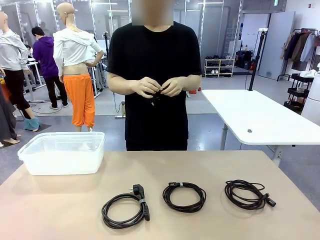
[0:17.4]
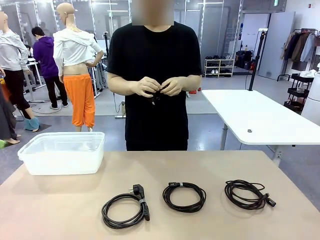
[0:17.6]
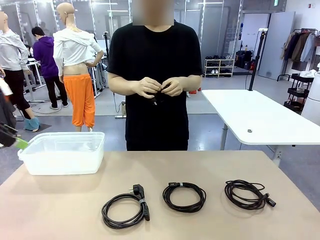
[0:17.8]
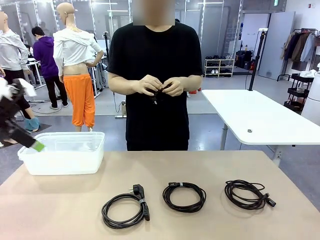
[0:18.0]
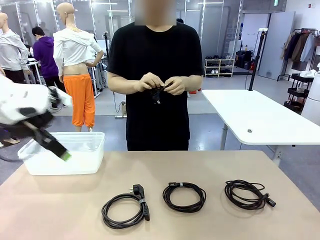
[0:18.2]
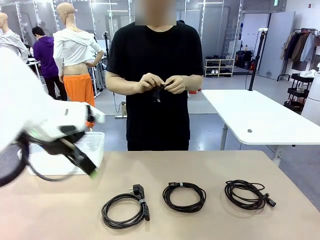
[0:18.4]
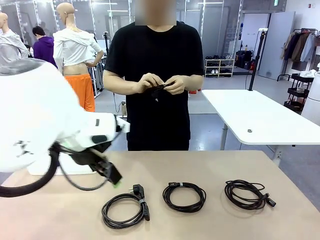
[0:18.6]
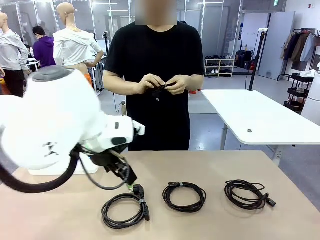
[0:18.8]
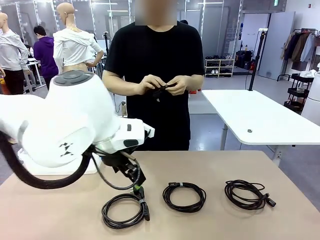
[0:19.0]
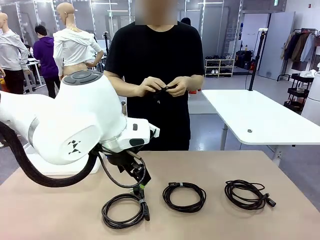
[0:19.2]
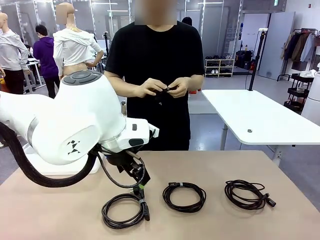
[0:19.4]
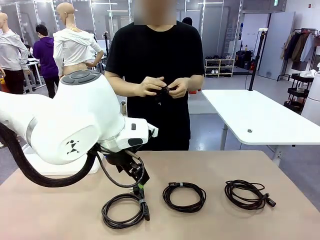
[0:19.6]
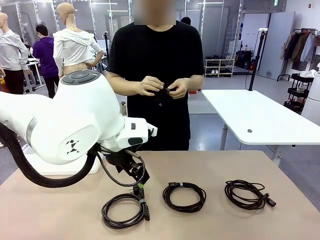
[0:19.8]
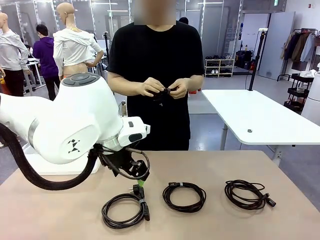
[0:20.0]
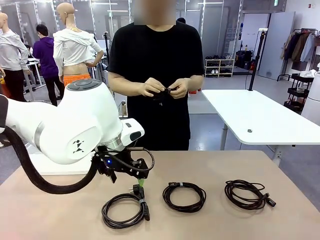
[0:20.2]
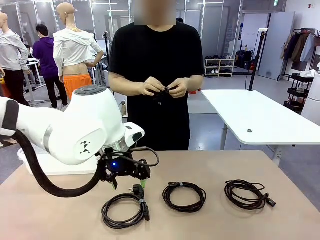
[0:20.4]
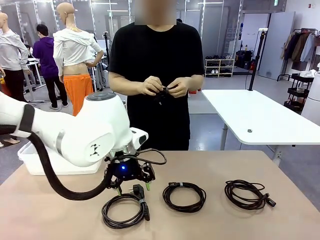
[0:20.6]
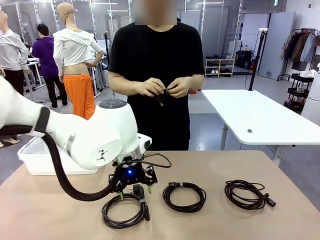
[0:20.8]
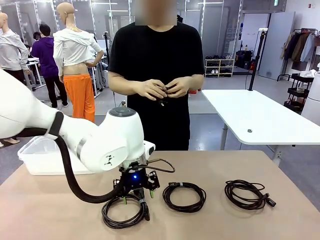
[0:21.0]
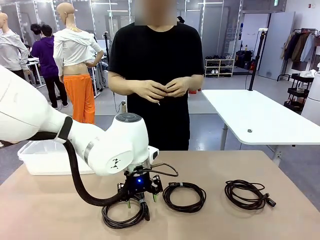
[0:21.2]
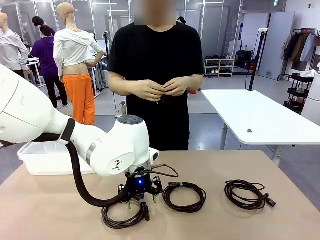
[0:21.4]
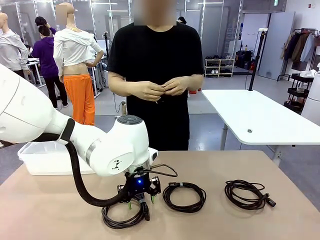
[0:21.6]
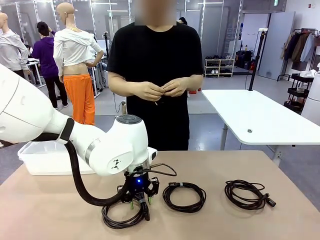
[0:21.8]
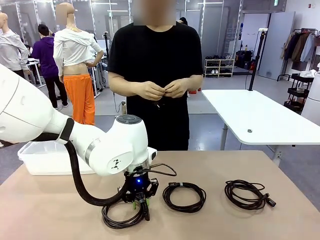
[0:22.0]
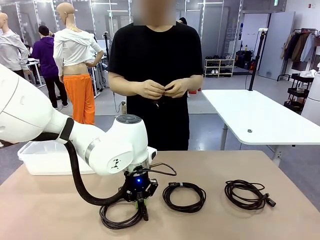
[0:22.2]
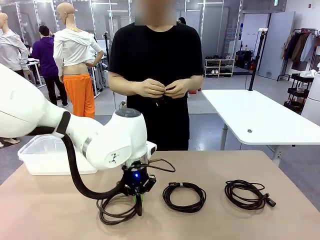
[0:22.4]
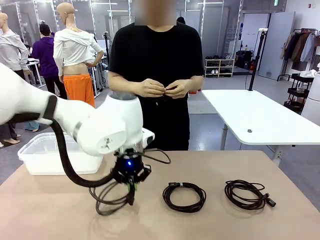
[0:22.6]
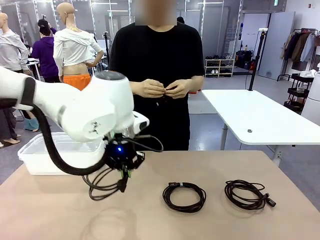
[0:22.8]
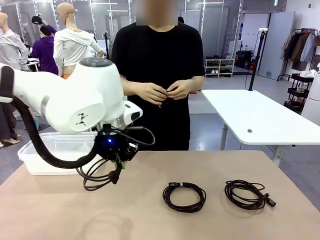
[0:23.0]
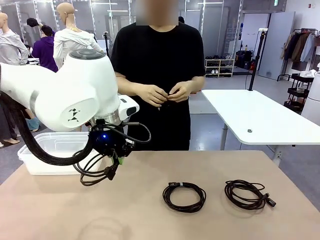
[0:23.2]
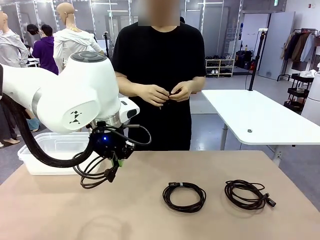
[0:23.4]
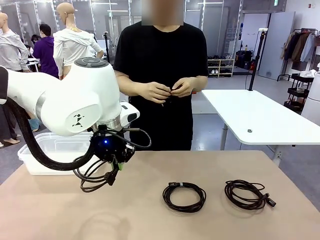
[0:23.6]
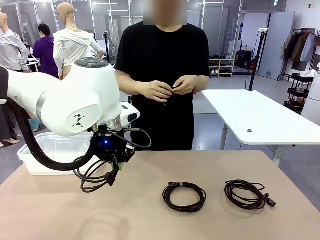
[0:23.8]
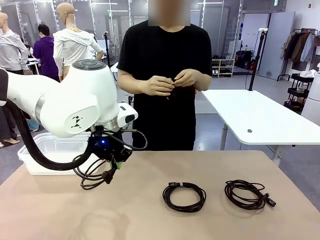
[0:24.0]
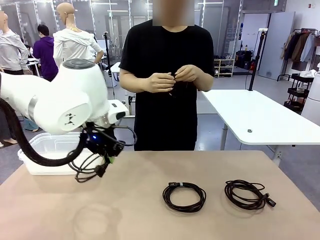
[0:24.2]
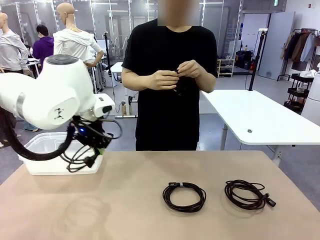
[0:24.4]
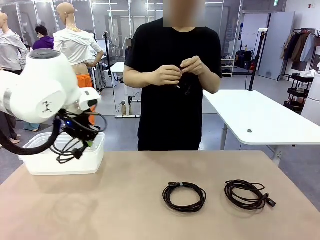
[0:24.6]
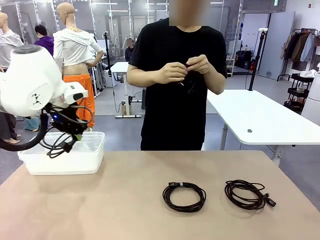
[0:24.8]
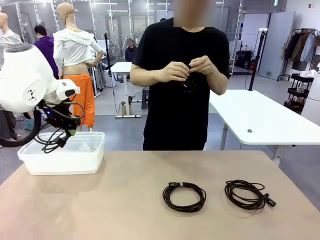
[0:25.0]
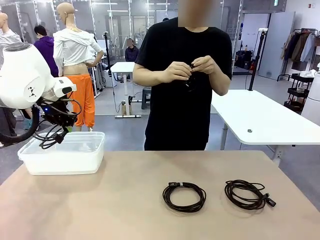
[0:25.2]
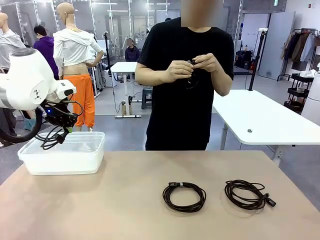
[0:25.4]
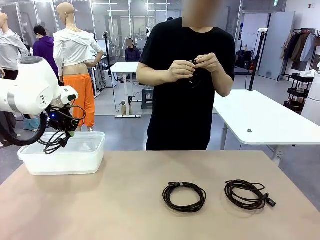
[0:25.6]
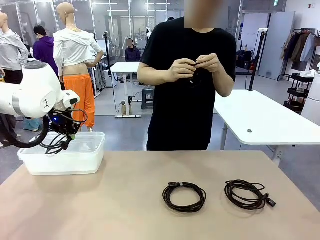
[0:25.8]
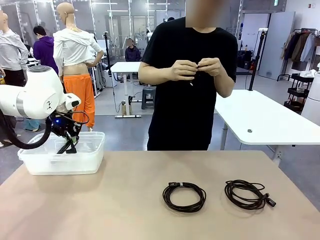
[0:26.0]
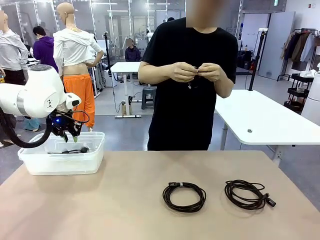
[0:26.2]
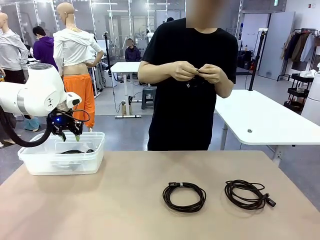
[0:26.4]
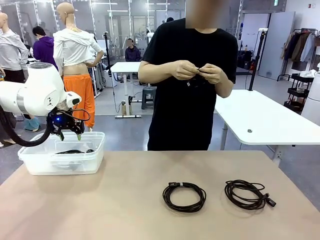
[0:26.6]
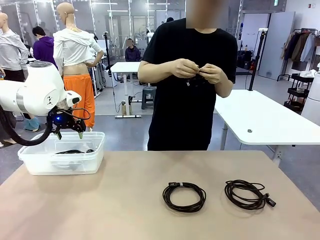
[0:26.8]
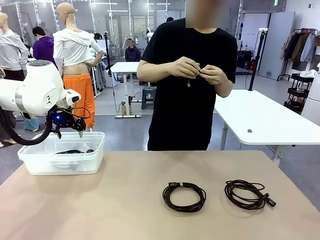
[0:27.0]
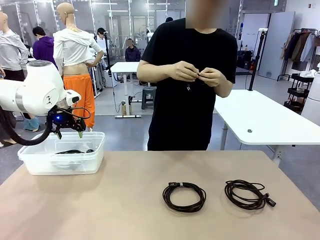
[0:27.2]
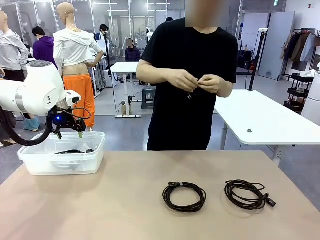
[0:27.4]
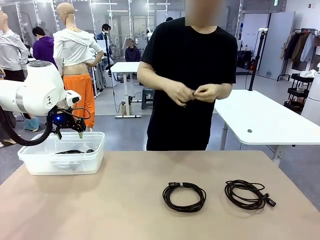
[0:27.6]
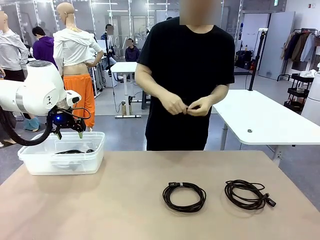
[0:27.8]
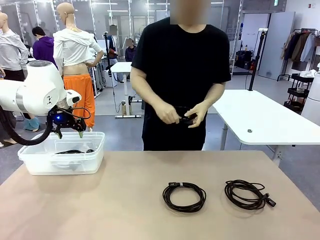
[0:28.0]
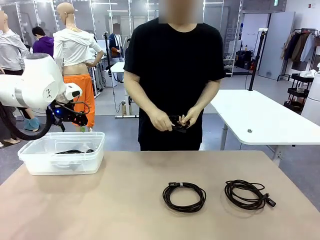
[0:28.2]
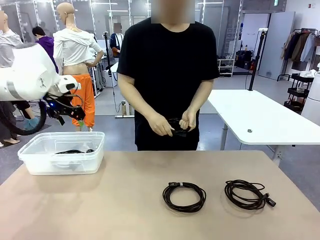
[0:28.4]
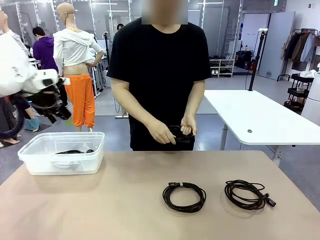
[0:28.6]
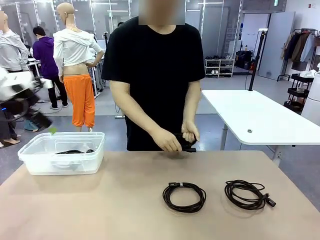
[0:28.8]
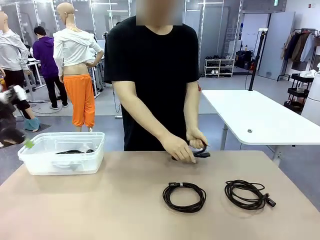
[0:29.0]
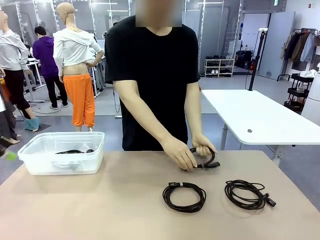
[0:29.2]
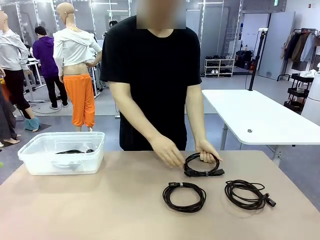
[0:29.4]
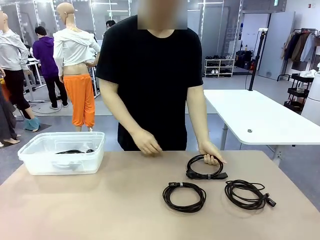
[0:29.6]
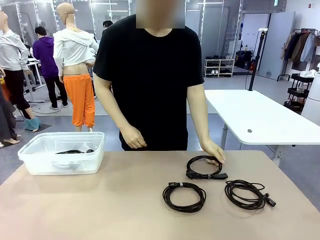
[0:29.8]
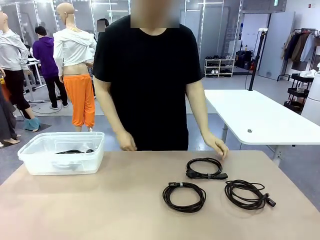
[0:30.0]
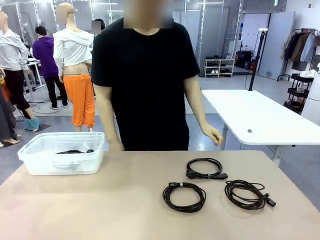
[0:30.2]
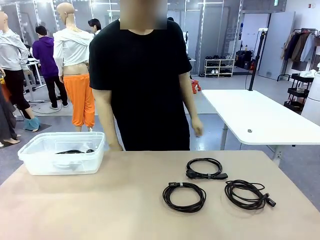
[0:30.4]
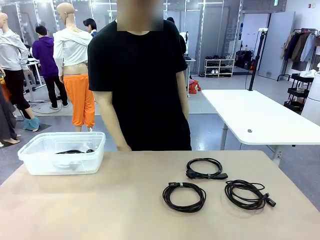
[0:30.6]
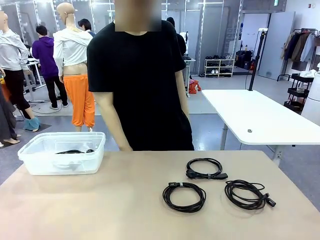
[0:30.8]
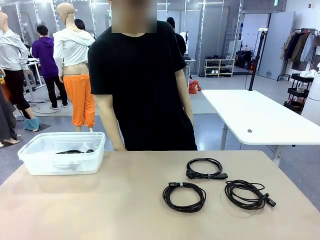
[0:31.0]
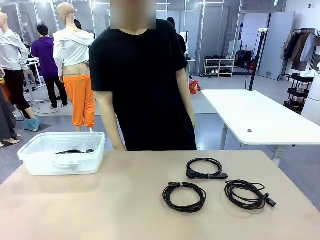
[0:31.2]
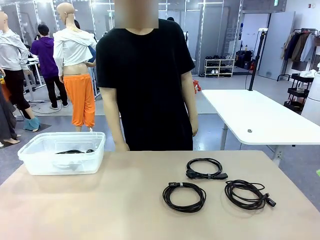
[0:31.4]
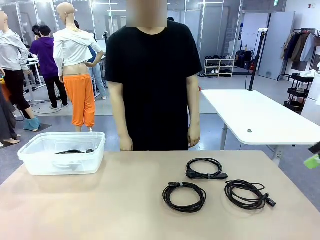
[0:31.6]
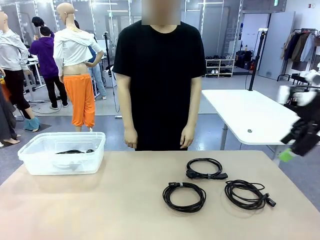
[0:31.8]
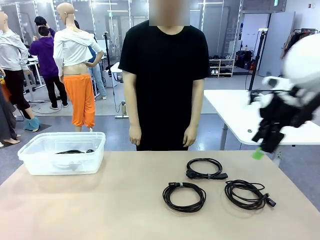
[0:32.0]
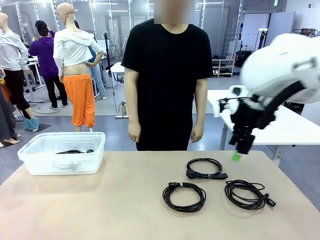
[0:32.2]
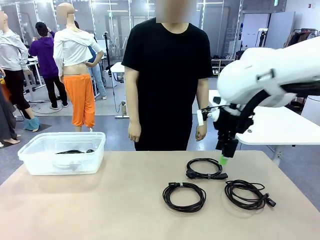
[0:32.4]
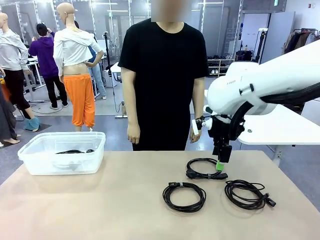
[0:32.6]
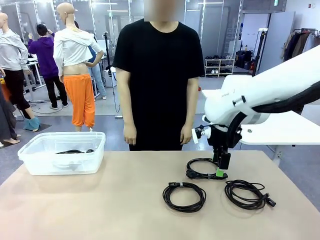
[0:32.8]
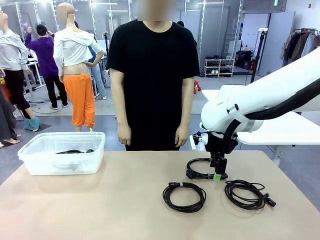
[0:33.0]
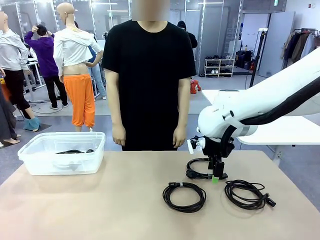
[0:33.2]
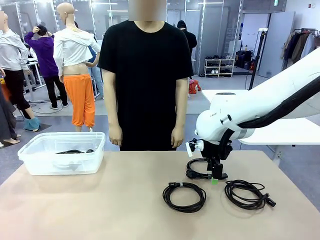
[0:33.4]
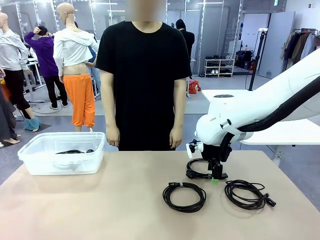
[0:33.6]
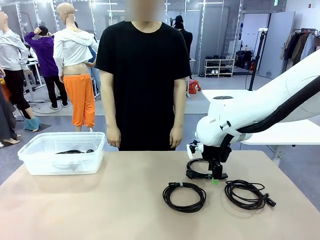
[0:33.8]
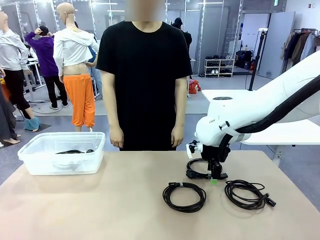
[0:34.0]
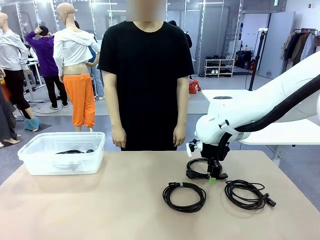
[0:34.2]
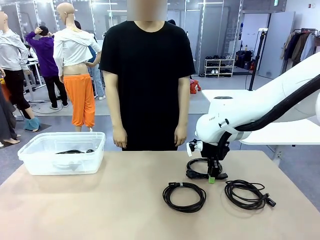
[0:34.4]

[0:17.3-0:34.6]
Task: Organize and store the cables.
Robot: Place the Power Cable into the Organizing box.

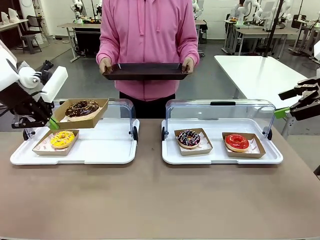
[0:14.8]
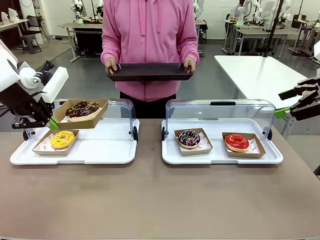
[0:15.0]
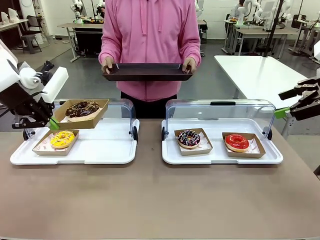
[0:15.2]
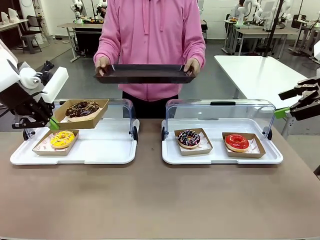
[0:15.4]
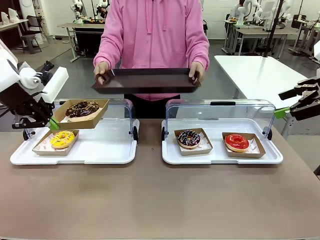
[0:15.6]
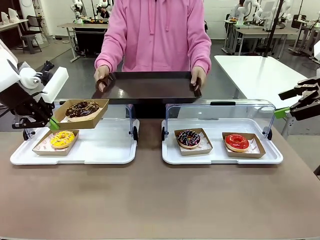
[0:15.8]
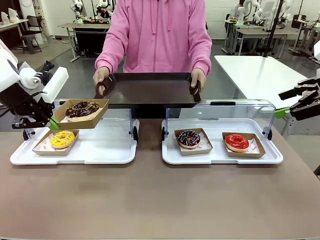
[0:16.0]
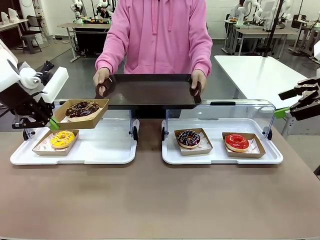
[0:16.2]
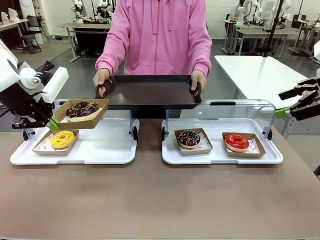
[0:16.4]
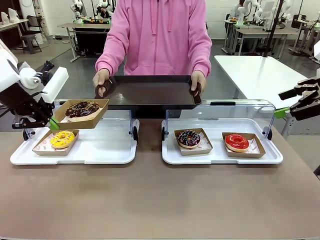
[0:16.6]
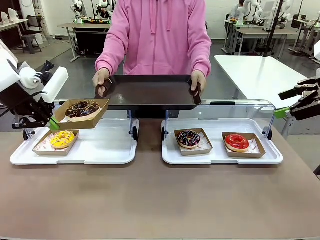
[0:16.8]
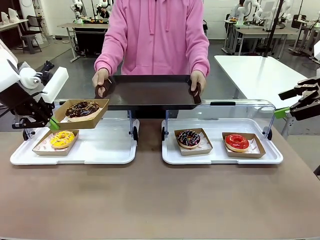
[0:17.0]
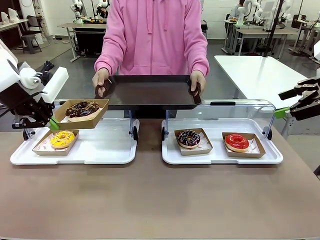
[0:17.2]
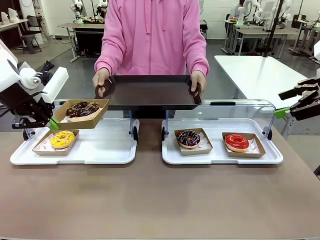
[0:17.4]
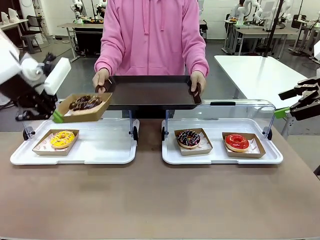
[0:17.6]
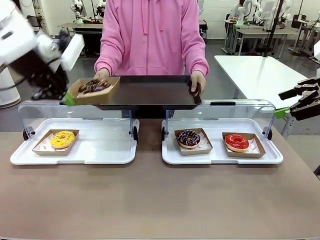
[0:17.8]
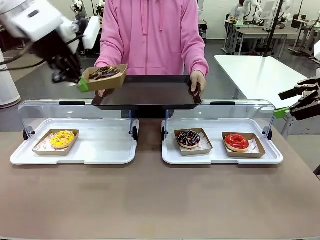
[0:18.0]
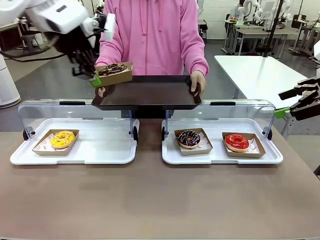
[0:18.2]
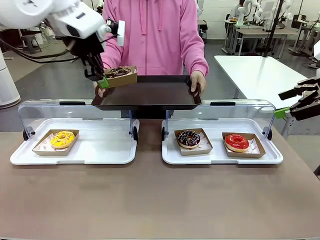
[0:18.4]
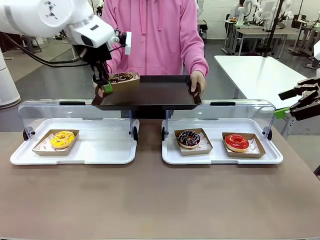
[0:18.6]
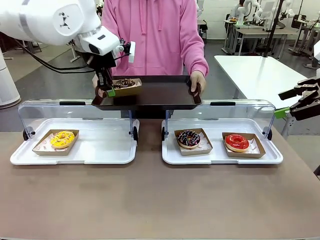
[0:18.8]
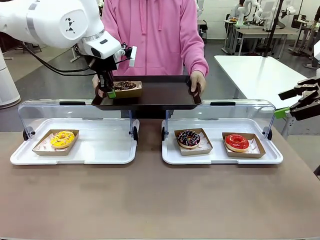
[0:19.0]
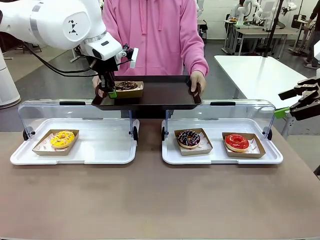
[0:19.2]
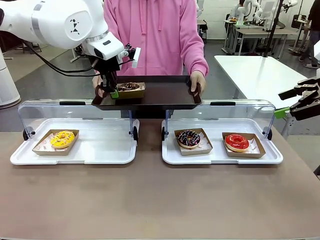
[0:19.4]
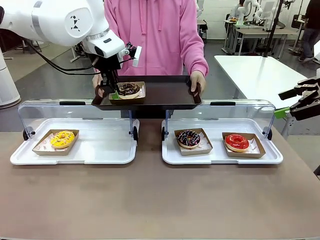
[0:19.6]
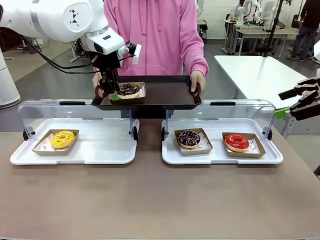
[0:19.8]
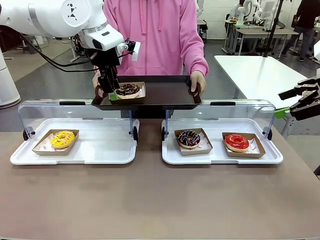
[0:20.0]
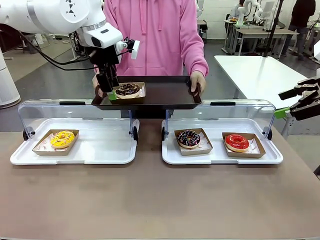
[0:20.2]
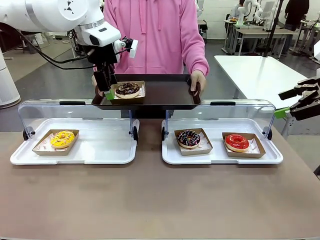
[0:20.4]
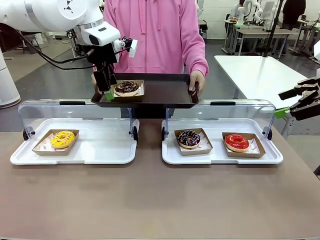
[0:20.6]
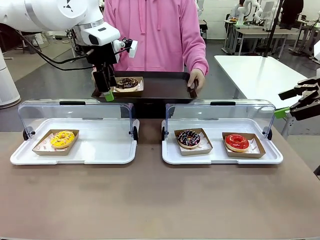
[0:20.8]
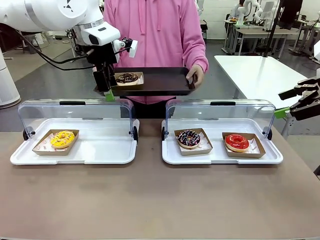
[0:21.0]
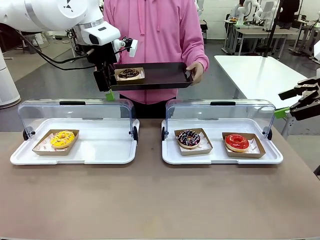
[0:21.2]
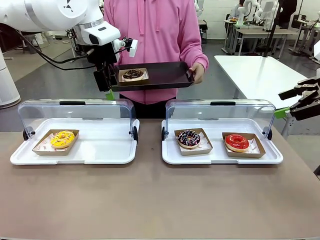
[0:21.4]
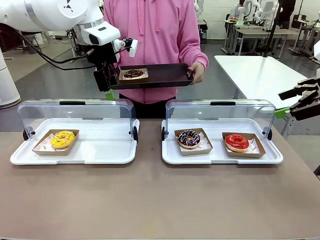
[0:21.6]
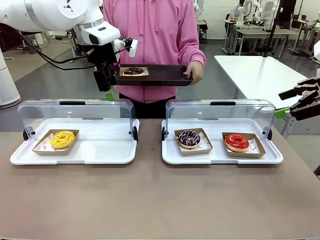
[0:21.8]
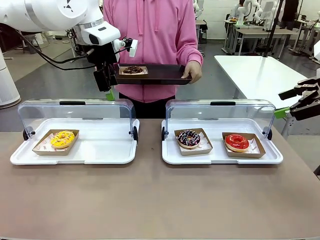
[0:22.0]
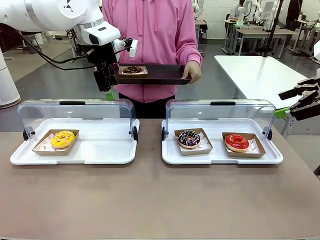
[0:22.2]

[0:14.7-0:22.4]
Task: Provide the desired donut to the person.
Robot: Place the picked Paper togo box onto the Handle tray extended by the person.
Person: Point to one donut.
